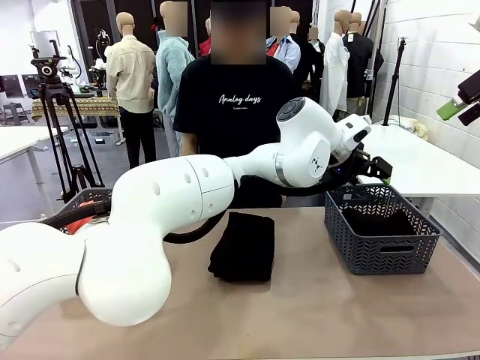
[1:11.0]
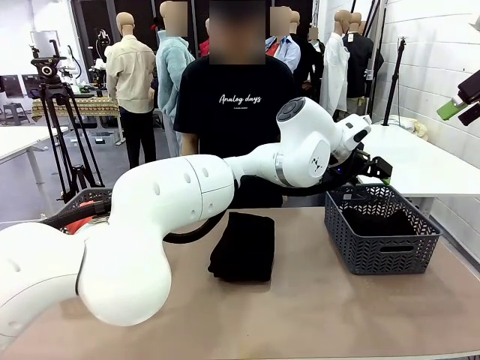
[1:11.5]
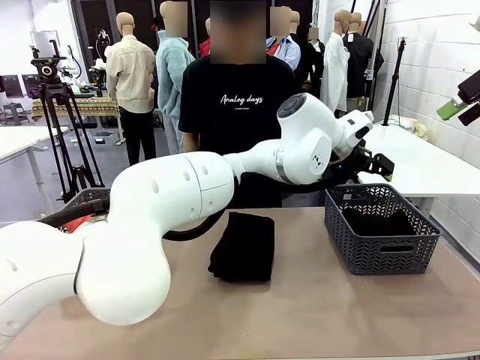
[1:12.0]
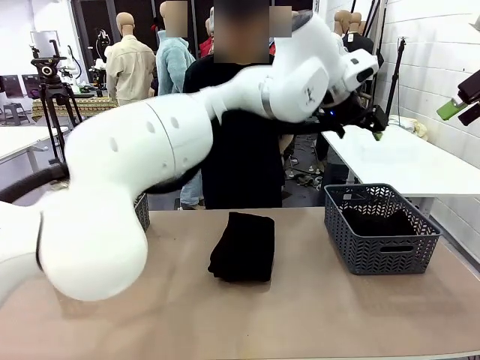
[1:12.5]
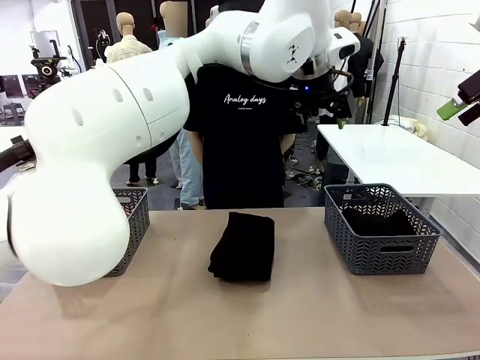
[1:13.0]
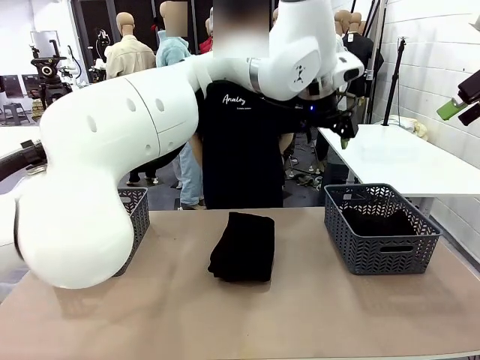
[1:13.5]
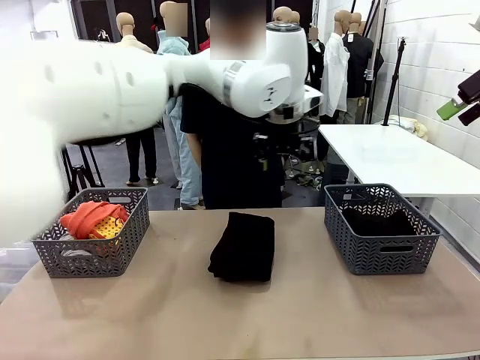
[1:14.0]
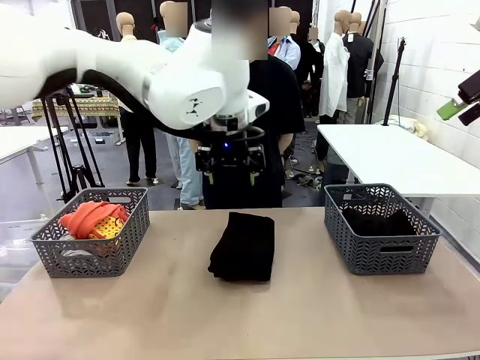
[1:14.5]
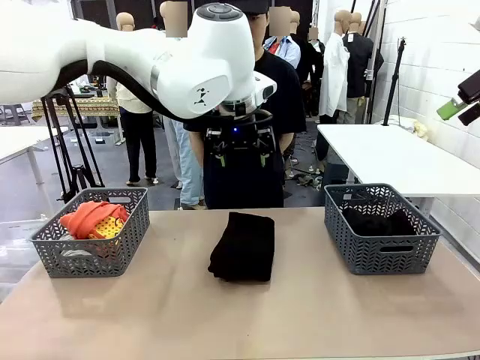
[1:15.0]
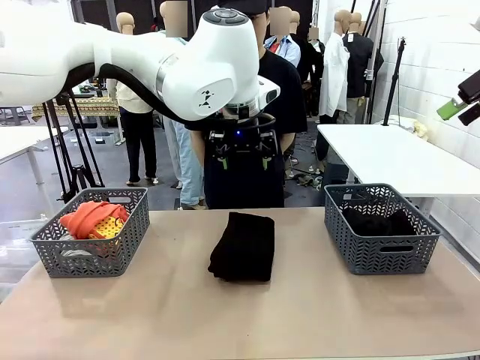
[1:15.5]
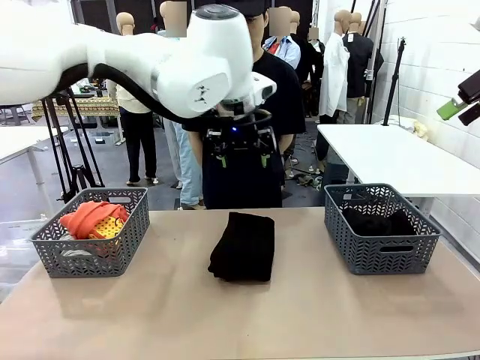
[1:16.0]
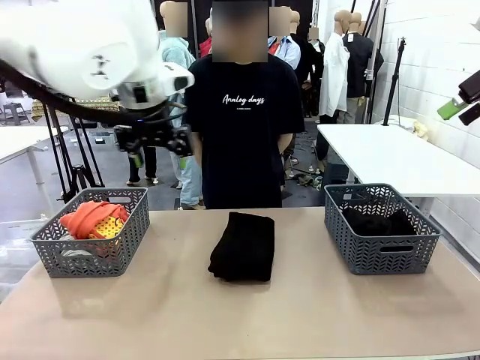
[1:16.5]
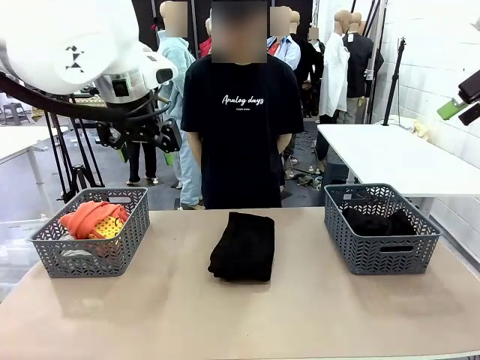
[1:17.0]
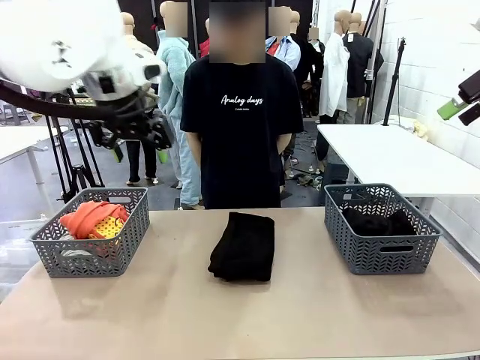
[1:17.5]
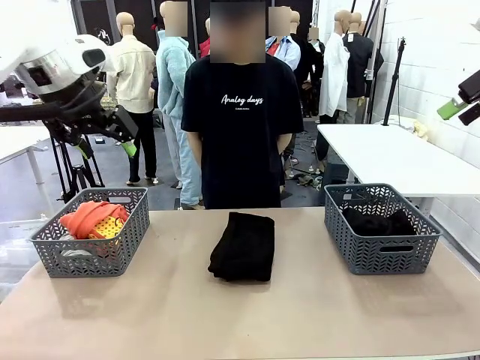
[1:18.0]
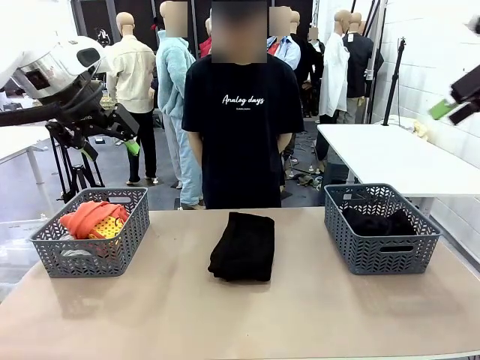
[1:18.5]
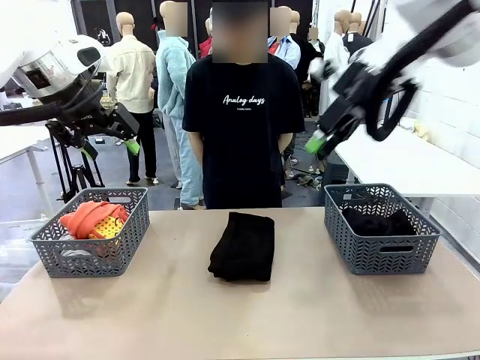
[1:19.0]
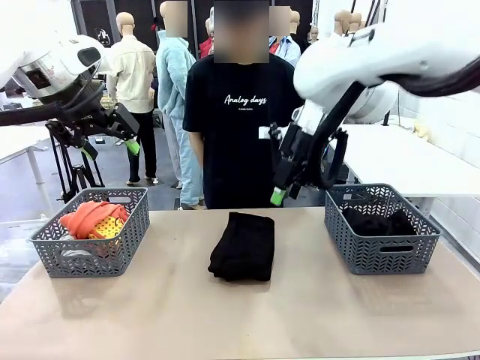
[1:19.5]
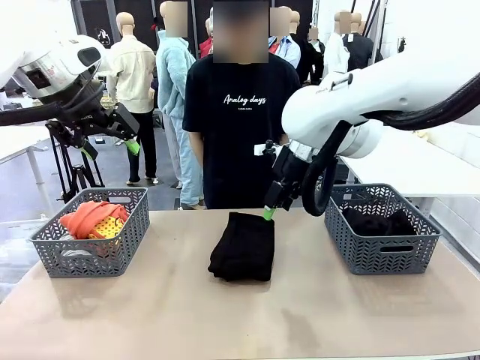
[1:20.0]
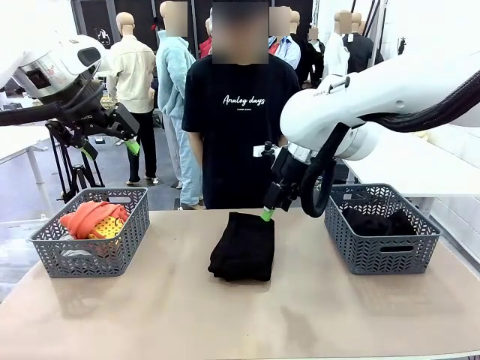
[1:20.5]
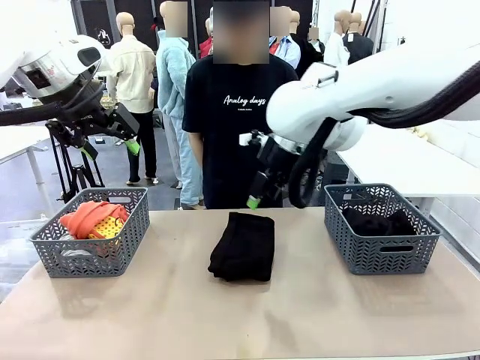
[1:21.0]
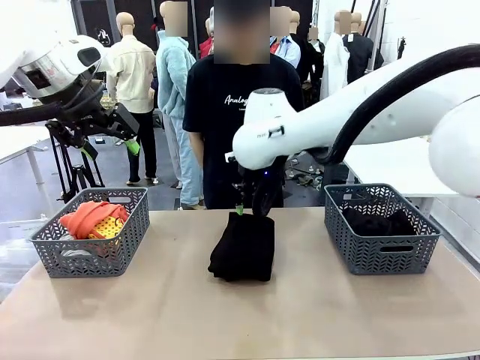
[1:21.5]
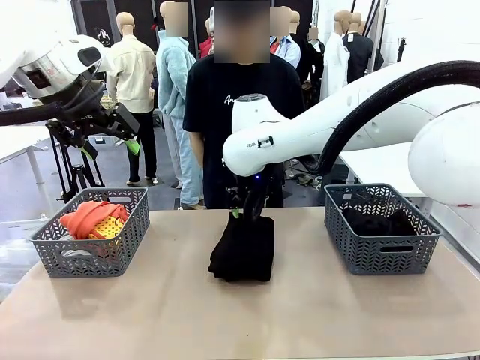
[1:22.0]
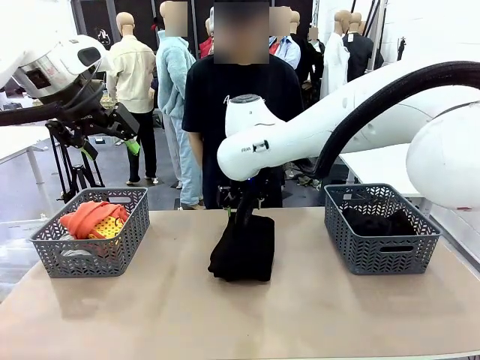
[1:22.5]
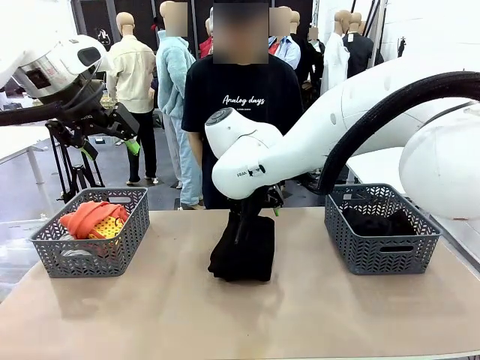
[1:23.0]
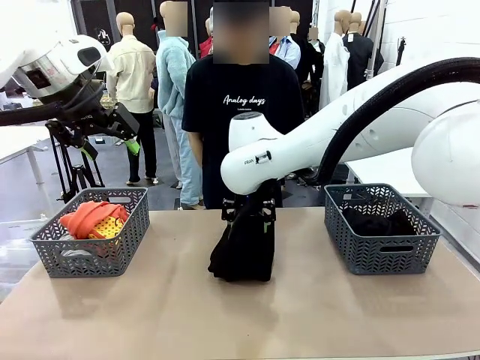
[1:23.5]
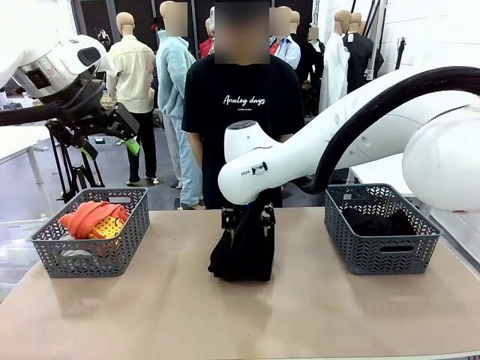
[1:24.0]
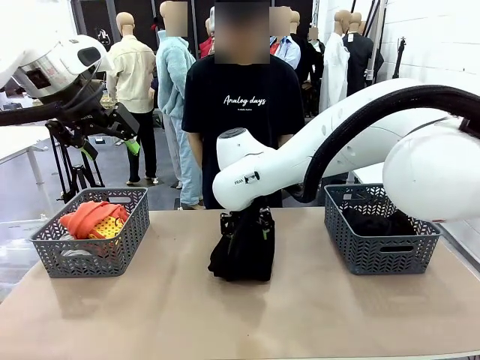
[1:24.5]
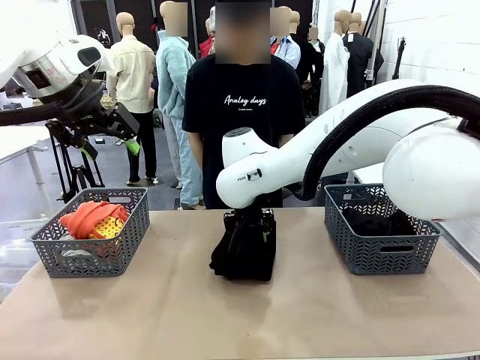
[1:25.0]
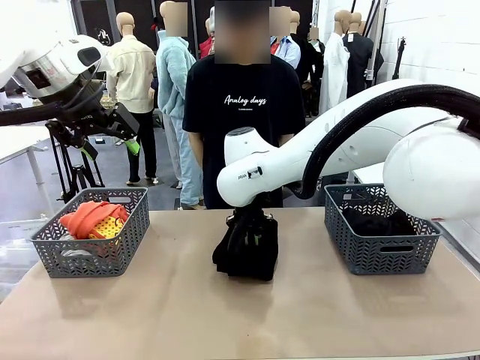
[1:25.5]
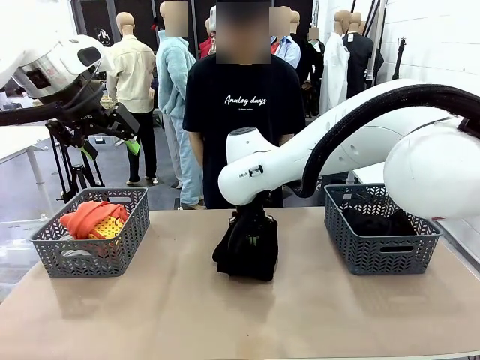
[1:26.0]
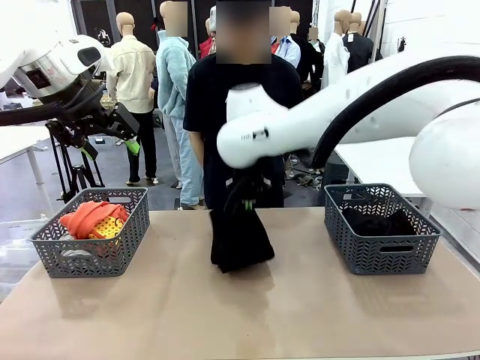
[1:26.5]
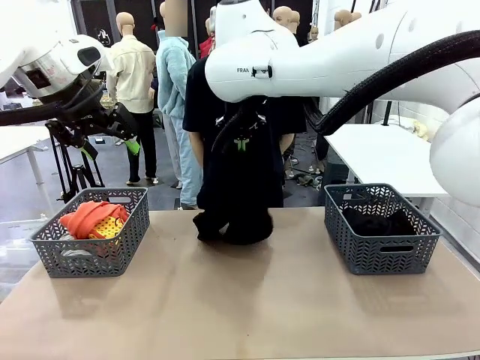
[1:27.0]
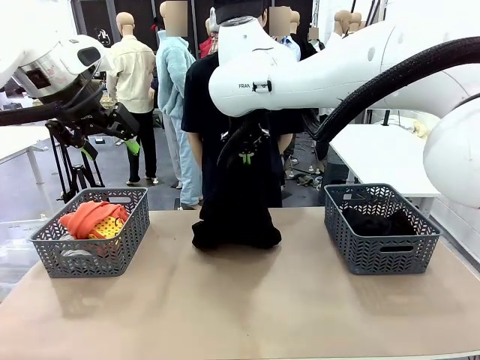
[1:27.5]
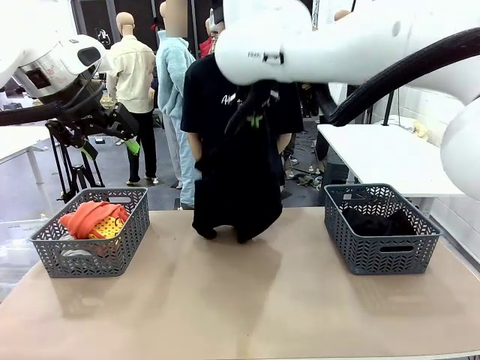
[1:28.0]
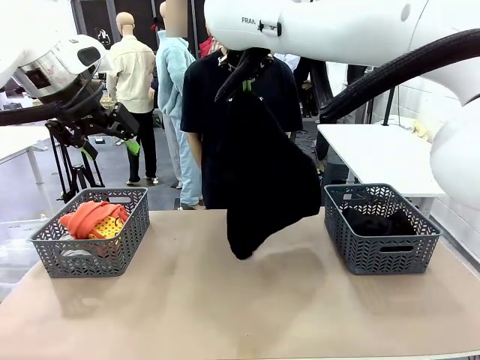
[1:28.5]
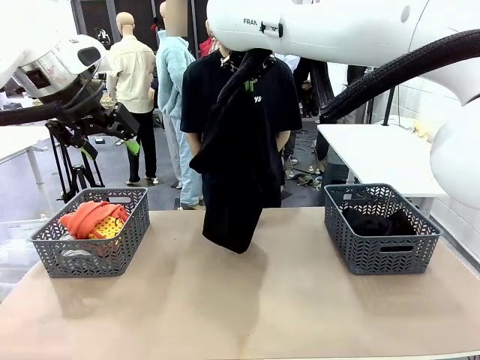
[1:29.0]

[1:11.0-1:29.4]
Task: Sort the tops and bottoms.
Robot: Lift clothes from the center of the table with your right hand.

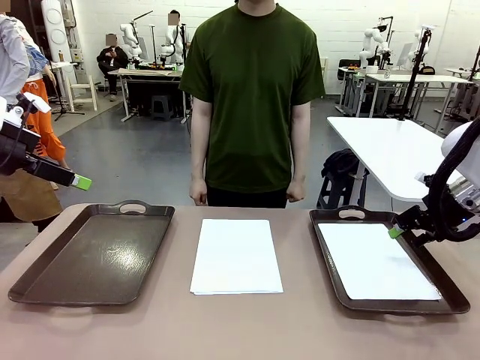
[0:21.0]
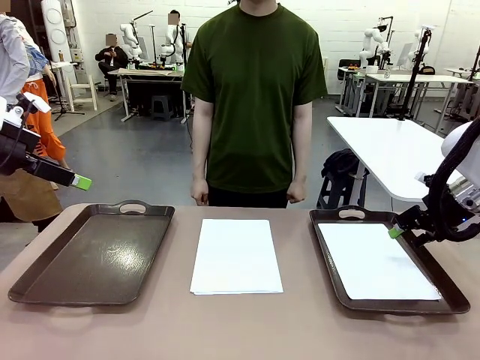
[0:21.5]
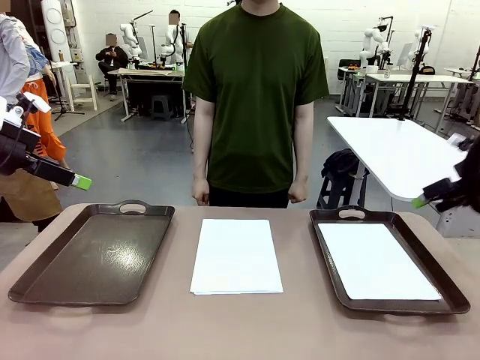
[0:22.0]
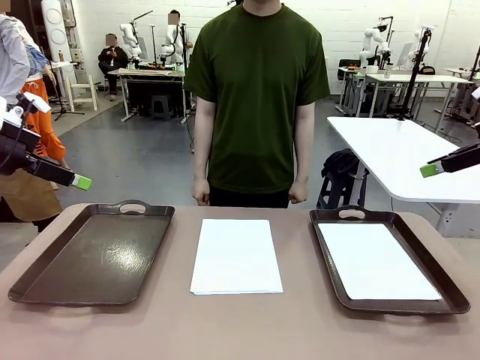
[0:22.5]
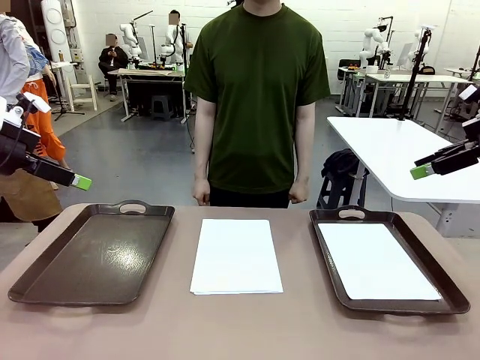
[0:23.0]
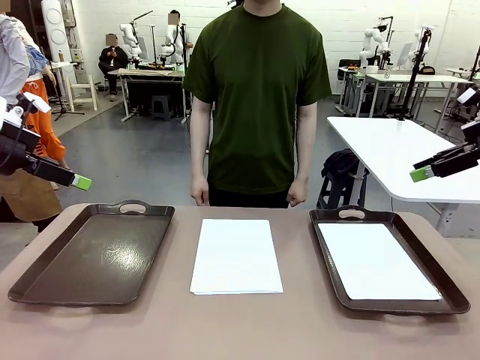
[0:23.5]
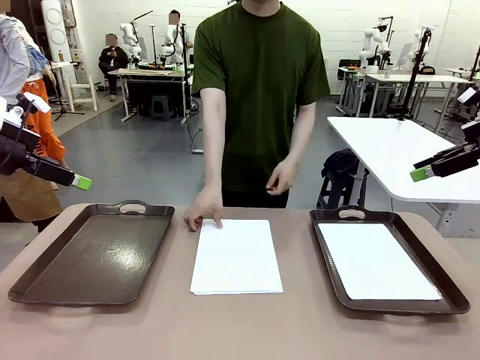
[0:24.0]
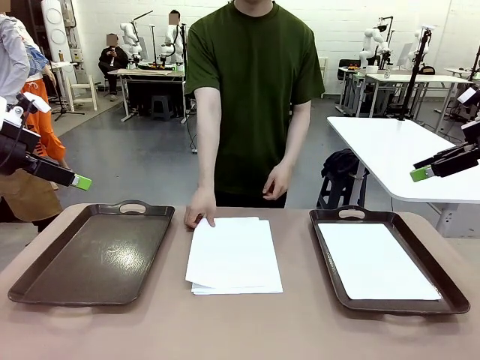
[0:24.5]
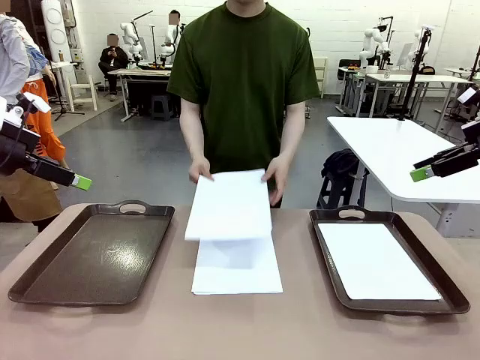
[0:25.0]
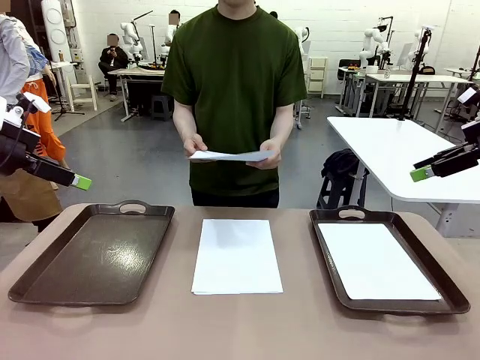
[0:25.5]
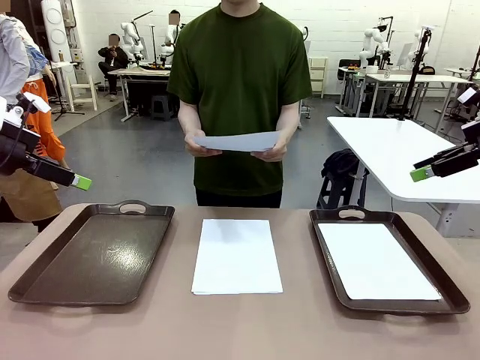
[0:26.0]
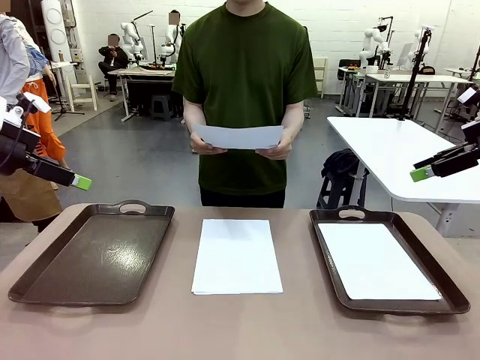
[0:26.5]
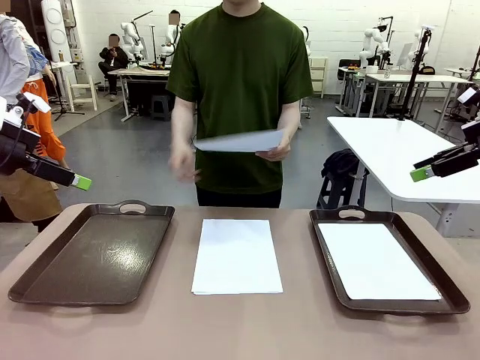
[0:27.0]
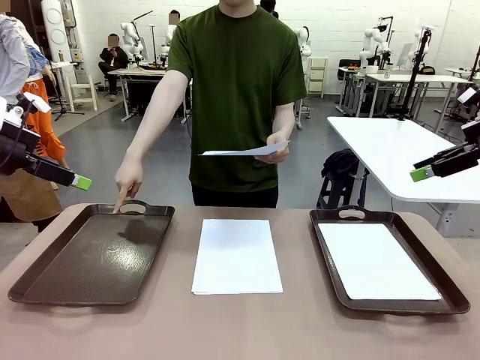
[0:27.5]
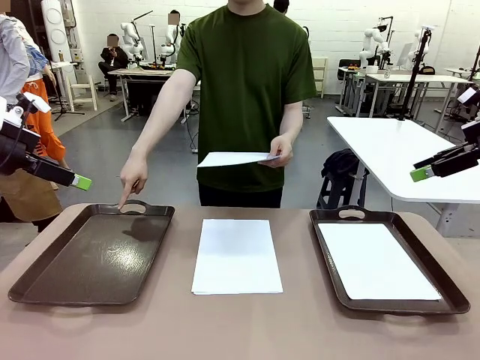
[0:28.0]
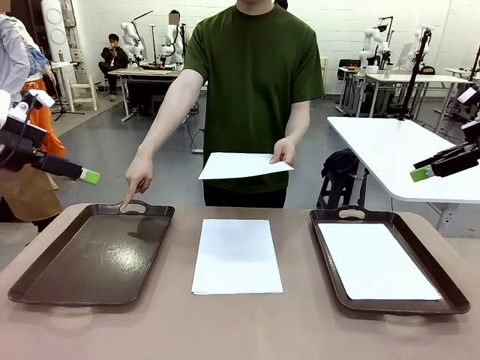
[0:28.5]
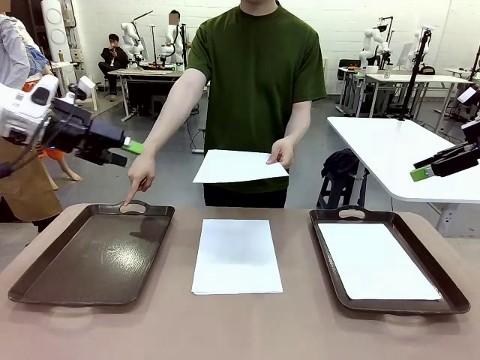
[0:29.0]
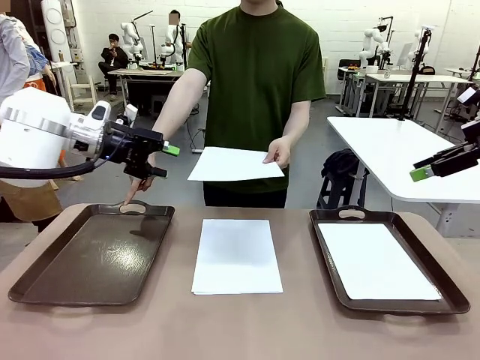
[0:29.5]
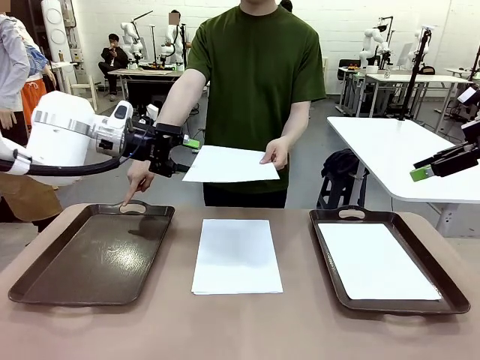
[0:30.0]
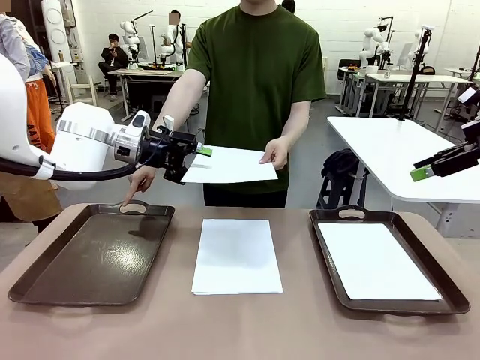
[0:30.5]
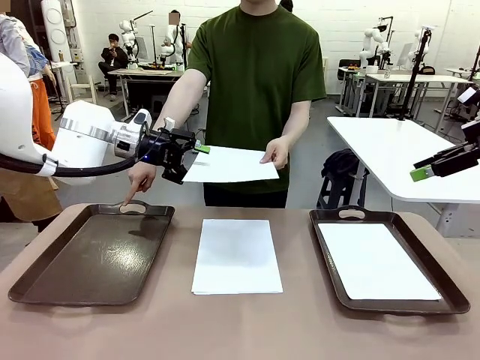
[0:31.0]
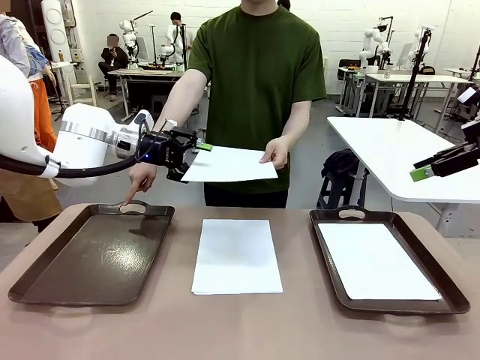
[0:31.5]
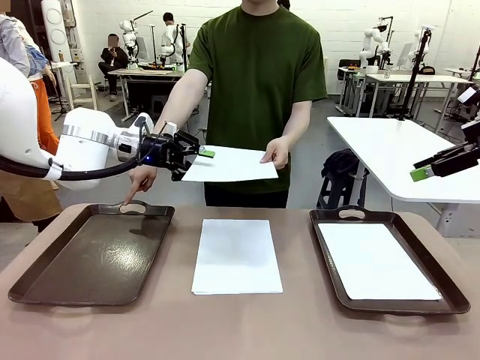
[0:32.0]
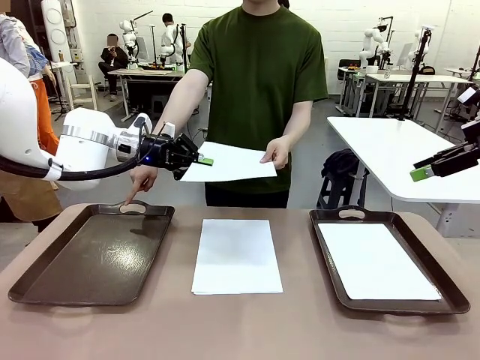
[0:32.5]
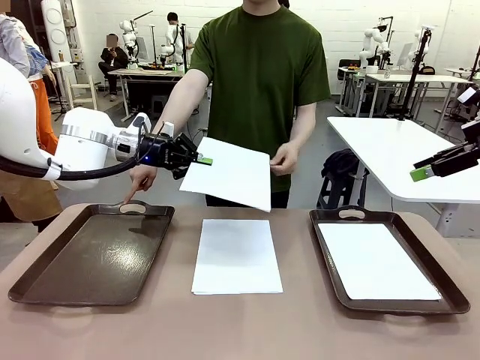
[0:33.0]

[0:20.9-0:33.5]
Task: Sort the A4 documents.
Robot: Receive the A4 Paper.
Person: Point the randomly selected tray with the other hand.
